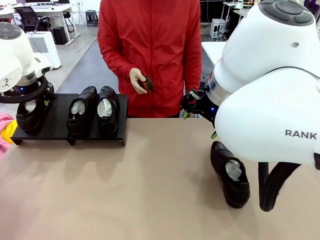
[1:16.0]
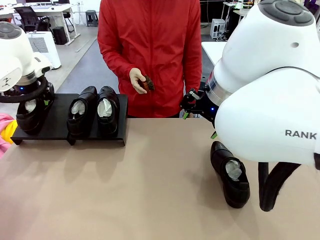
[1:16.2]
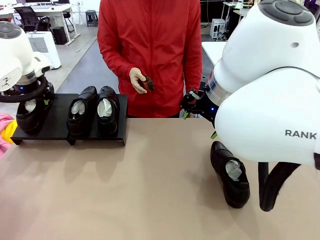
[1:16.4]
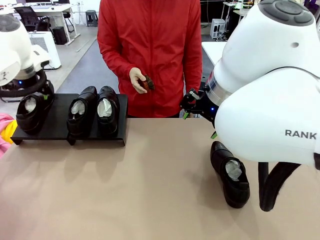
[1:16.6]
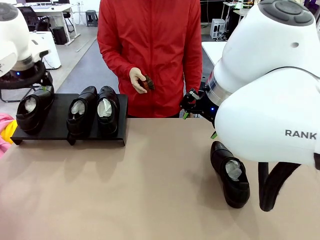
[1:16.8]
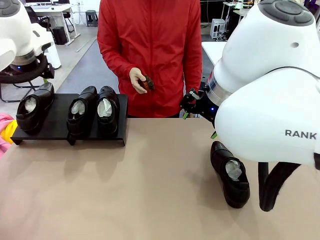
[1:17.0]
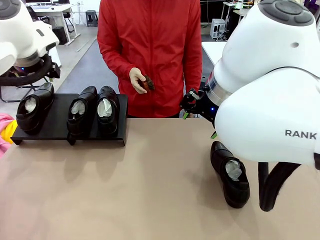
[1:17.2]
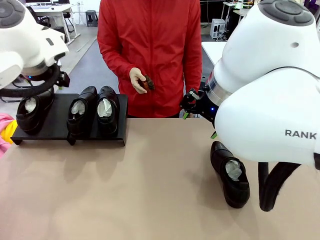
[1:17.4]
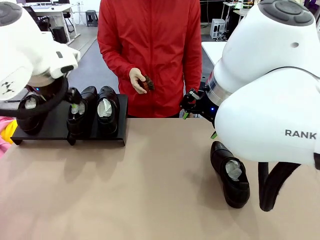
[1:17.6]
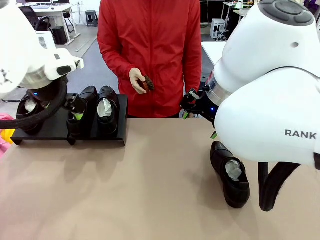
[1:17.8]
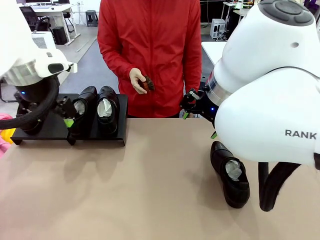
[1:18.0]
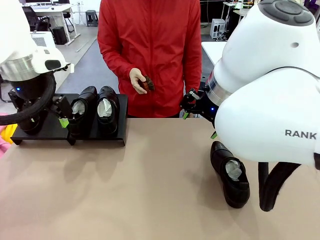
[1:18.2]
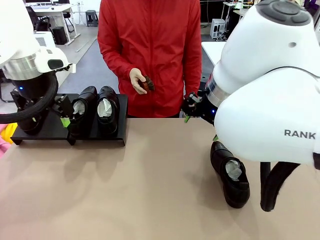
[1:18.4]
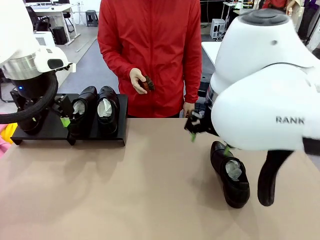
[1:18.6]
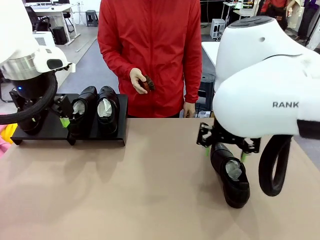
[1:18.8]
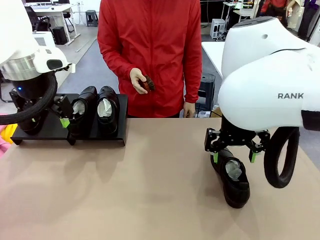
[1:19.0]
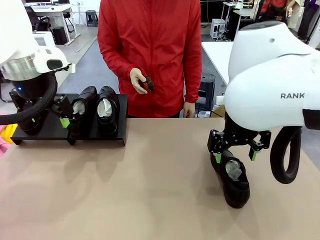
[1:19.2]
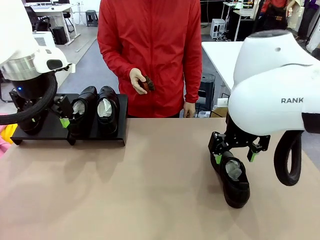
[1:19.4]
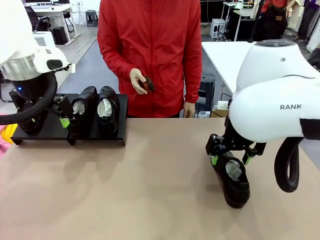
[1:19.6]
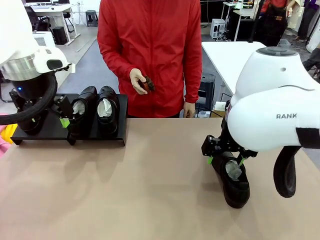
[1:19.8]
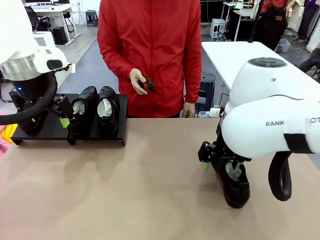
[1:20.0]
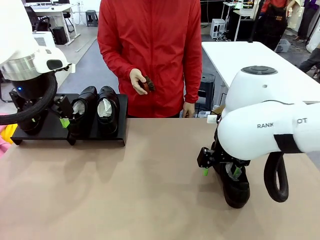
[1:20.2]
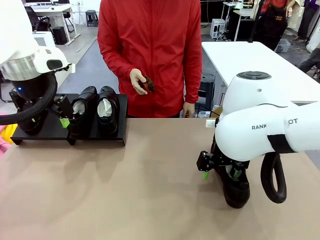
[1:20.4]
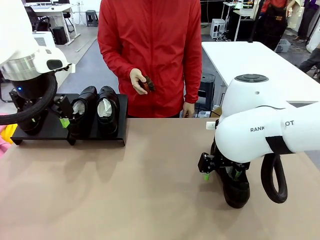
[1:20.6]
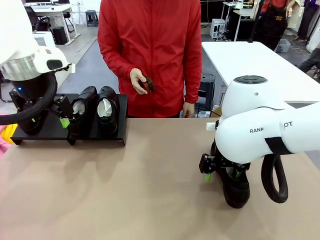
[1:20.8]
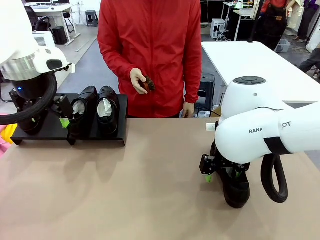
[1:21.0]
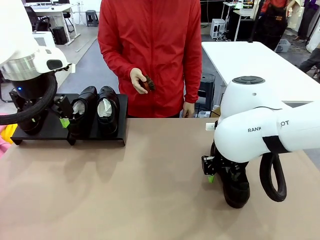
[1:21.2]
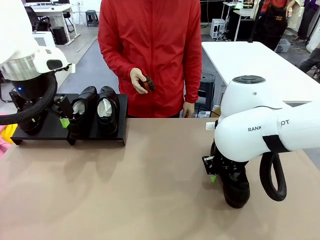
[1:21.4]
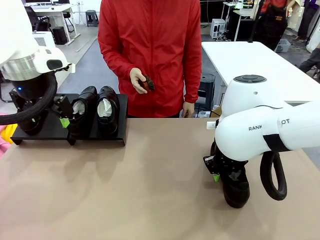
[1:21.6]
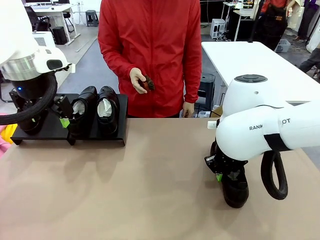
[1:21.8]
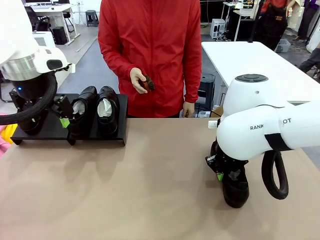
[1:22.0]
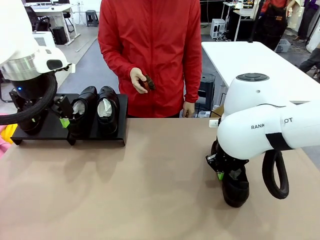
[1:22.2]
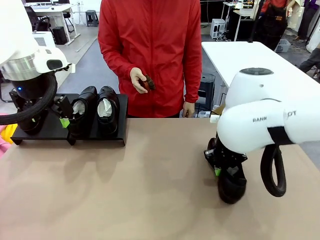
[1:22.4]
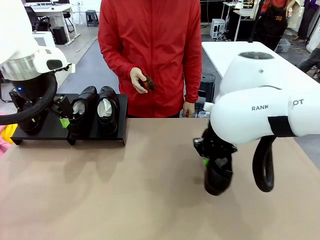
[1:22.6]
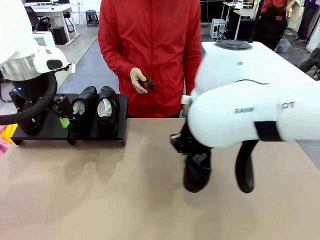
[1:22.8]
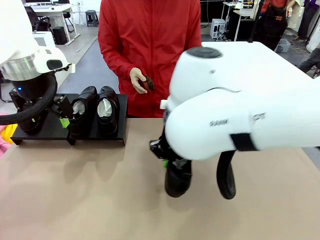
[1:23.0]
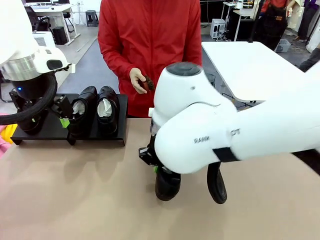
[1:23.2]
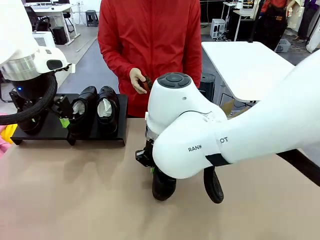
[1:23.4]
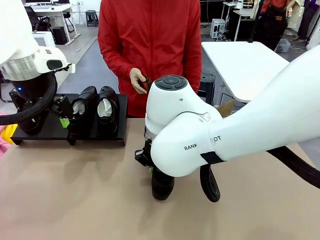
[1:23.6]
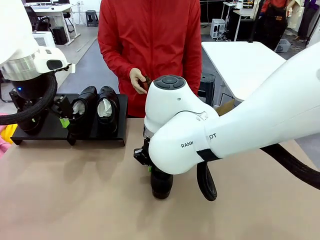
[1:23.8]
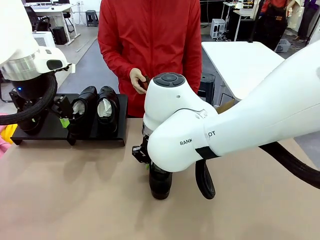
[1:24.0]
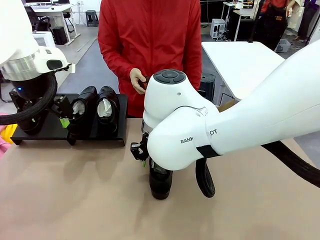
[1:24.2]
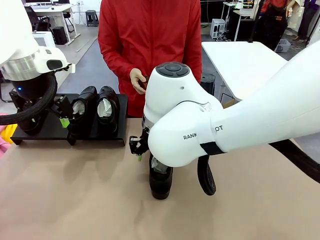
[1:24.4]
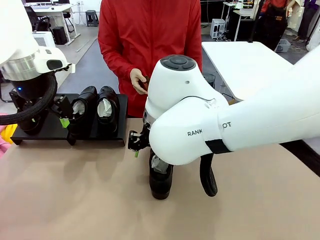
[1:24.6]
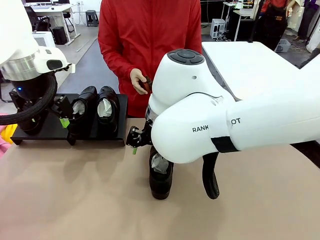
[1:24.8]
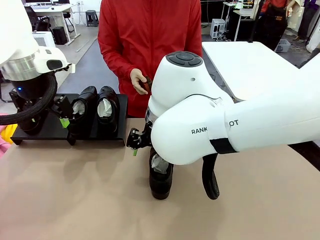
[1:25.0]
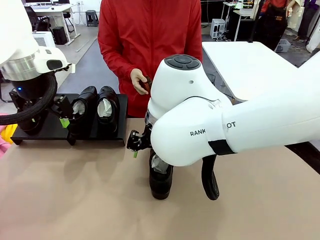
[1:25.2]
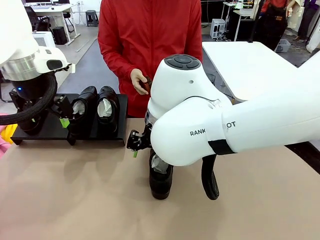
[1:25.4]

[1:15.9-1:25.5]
Task: Organize the shoes by placing them on the stand.
Robot: Pick up one Shoe and place it in the middle of the table.

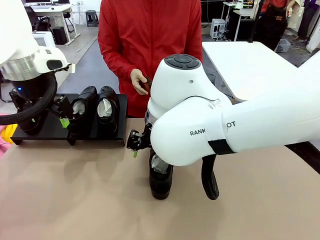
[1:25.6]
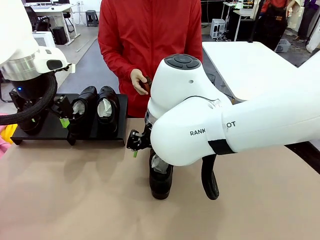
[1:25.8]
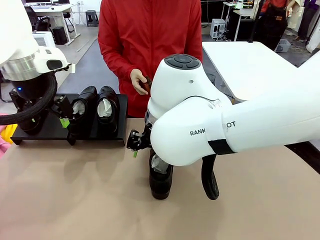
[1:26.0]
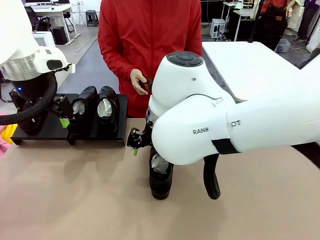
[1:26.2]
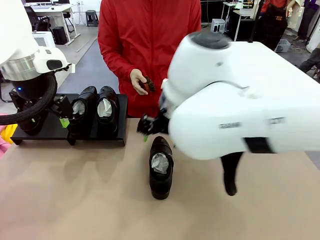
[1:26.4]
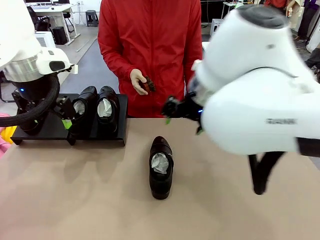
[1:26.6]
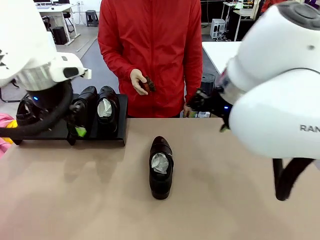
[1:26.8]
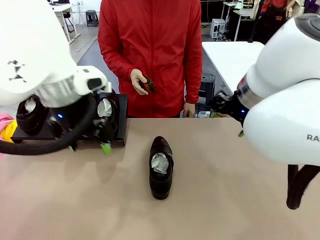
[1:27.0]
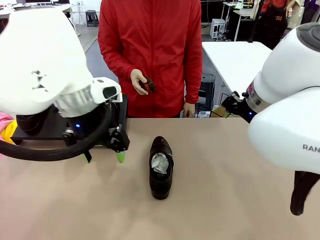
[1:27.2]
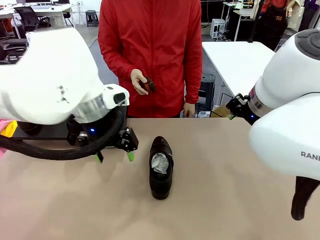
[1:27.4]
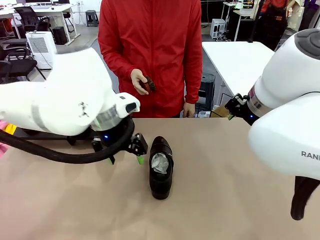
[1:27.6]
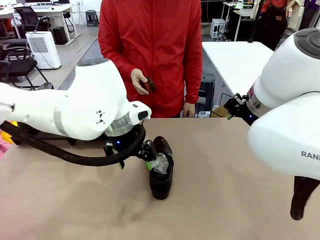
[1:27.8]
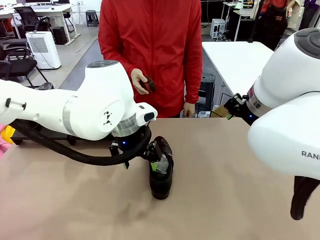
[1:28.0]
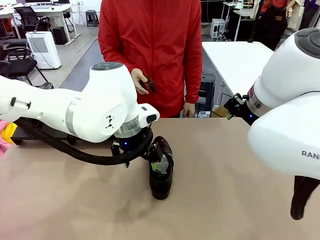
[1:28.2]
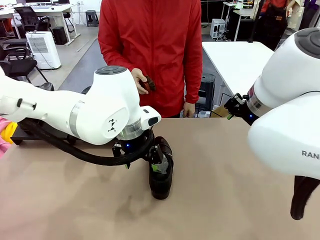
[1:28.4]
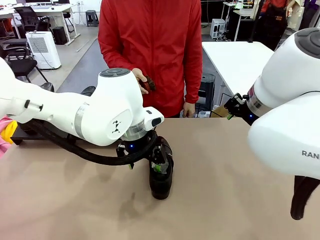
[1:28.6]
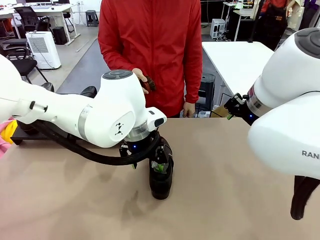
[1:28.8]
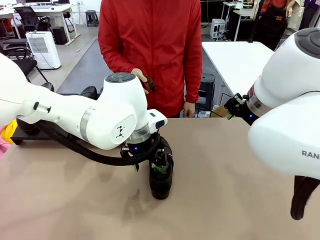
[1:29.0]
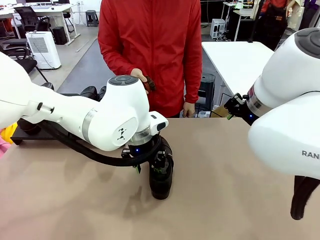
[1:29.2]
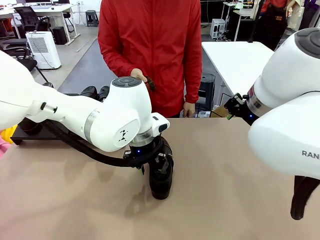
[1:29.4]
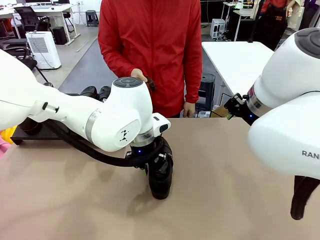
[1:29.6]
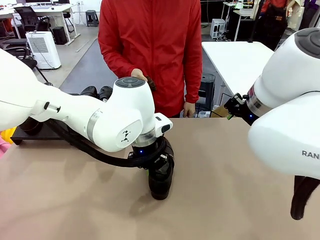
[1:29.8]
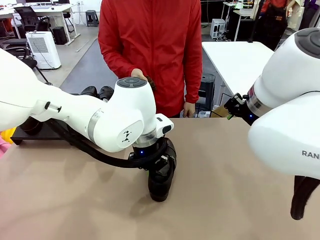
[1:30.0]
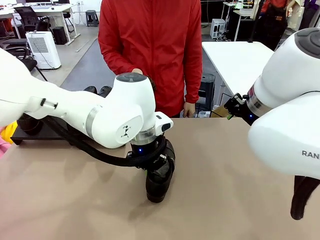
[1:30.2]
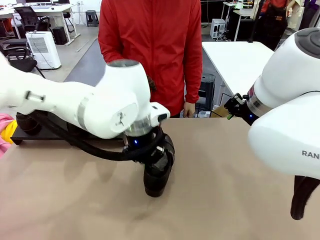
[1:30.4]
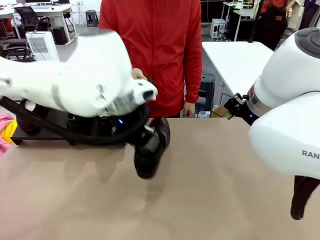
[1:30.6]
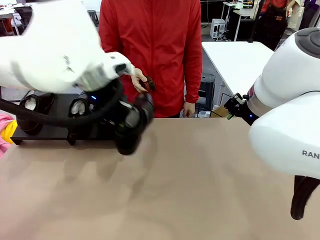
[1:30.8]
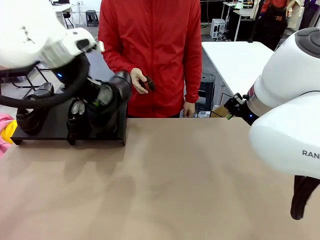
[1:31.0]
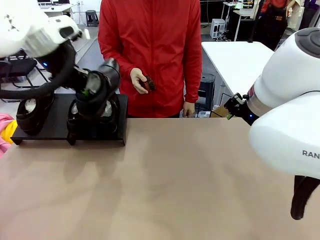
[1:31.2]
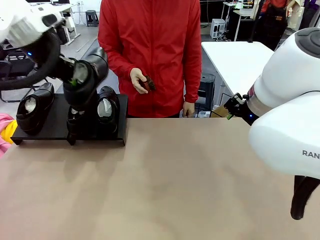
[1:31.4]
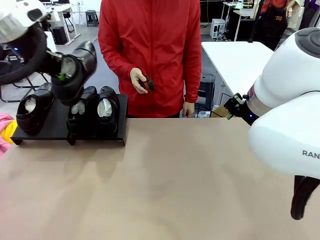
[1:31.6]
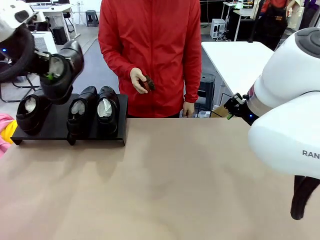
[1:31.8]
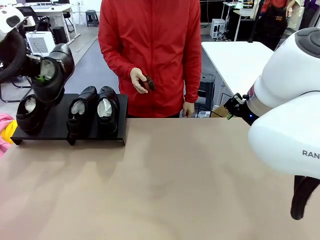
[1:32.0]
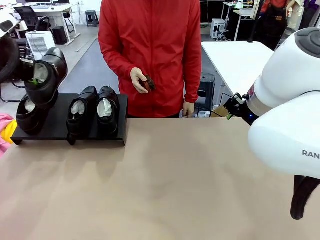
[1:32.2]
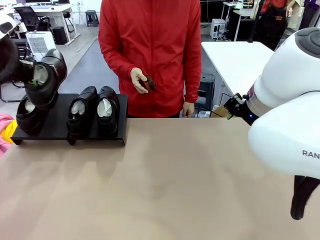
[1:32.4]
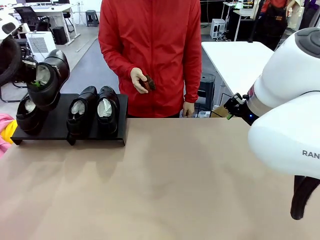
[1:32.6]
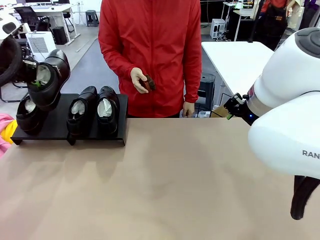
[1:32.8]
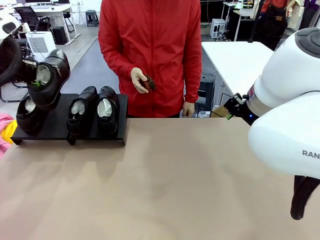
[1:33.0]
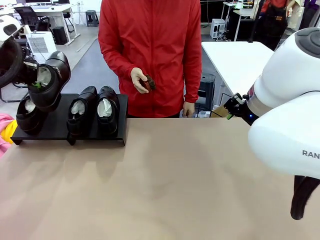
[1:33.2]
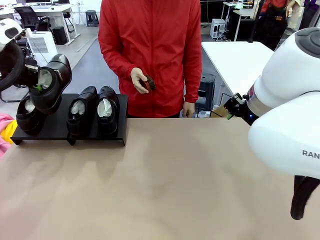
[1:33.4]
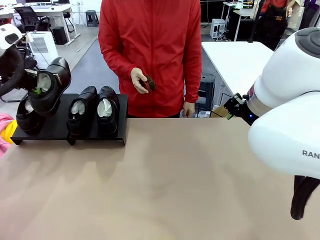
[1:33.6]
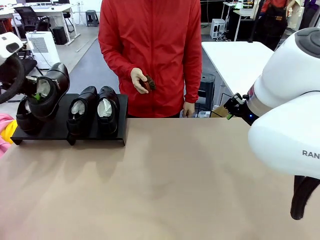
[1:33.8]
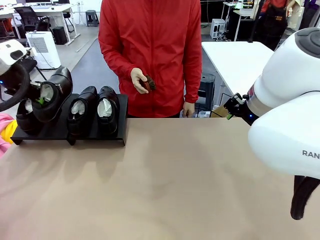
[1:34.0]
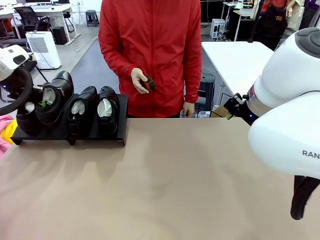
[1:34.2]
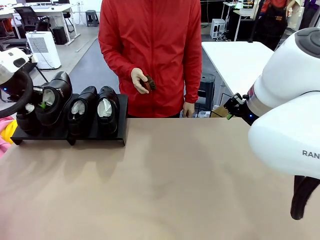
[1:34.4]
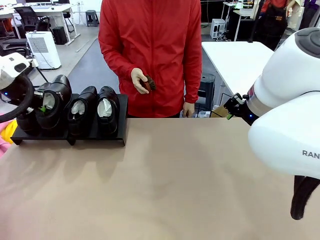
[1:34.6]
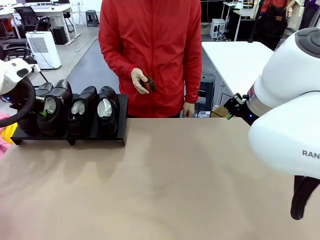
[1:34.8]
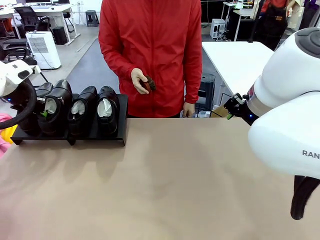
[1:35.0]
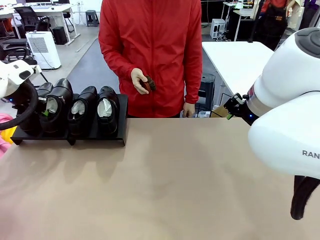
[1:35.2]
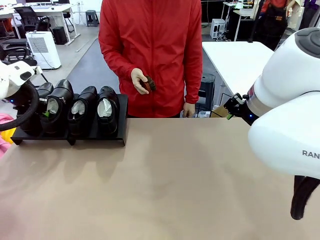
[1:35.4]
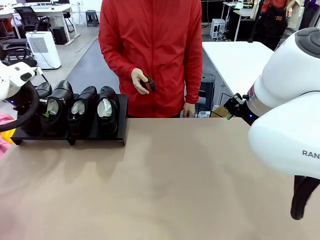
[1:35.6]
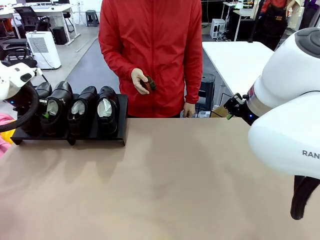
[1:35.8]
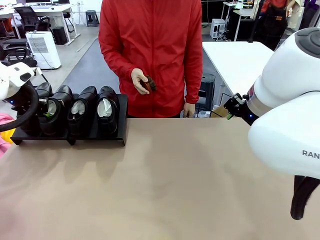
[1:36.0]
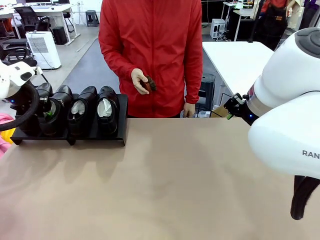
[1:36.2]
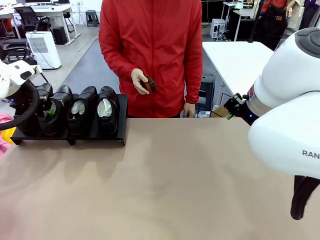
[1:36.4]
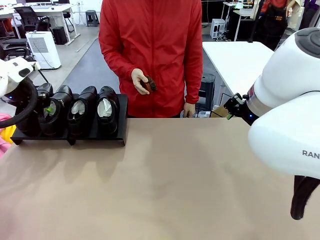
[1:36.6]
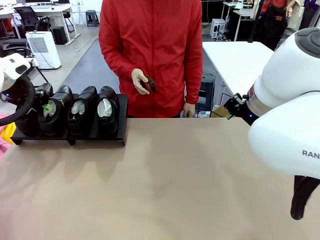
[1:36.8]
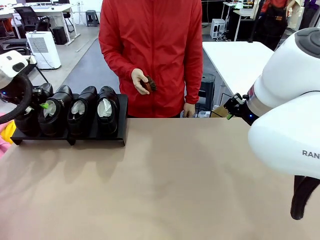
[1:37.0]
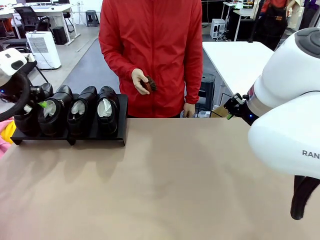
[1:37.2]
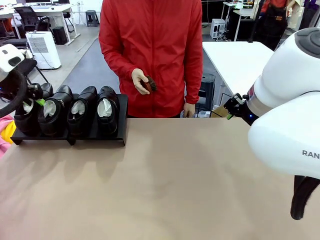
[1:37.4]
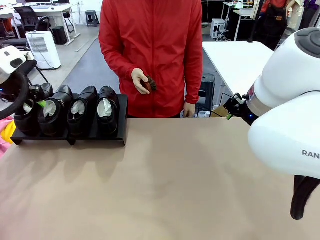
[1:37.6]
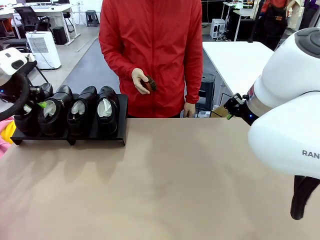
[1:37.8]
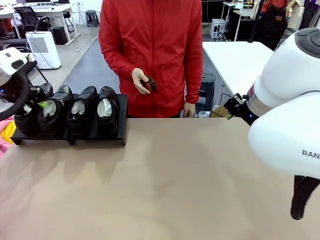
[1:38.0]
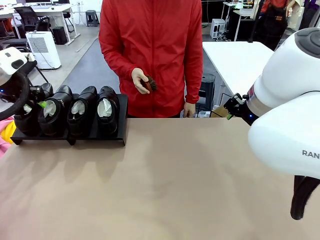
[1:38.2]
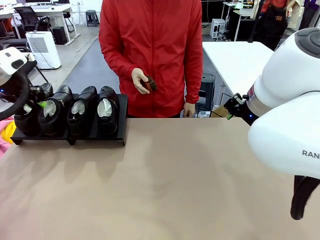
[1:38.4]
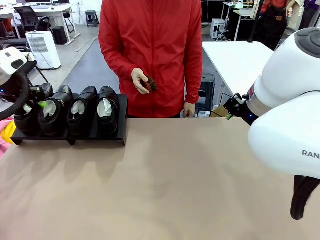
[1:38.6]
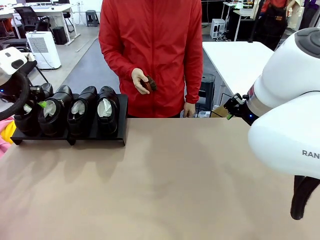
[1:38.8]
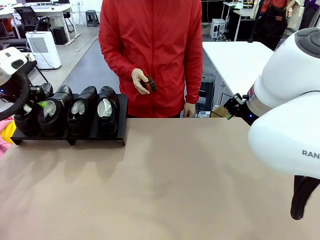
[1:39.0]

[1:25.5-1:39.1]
Robot: Place the Shoe from the middle of the table onto the Shoes Stand.
